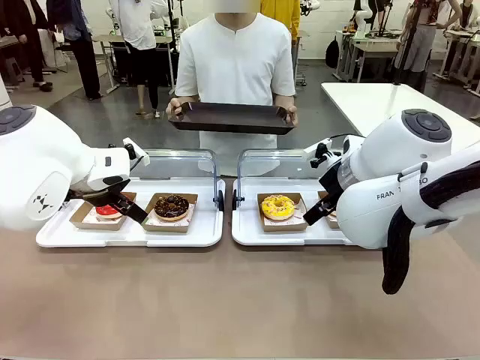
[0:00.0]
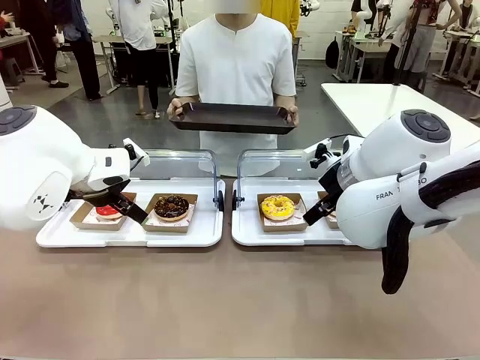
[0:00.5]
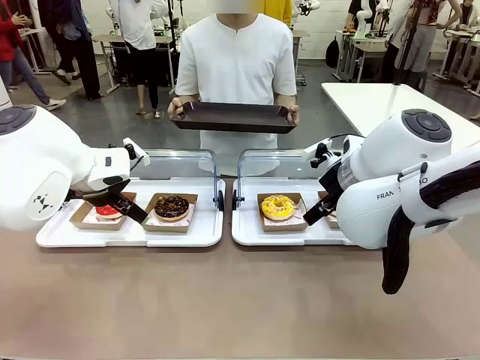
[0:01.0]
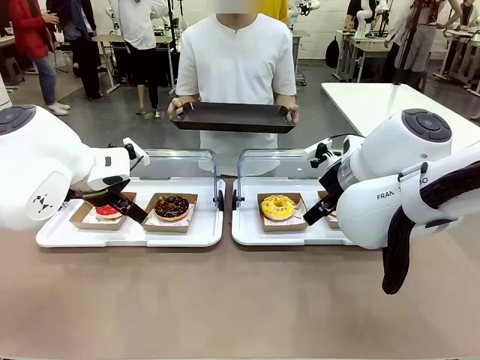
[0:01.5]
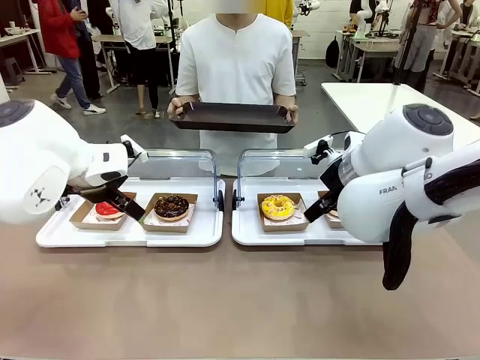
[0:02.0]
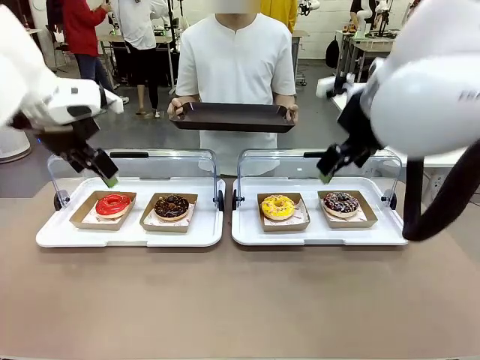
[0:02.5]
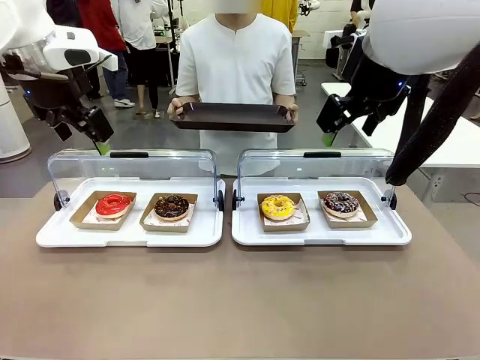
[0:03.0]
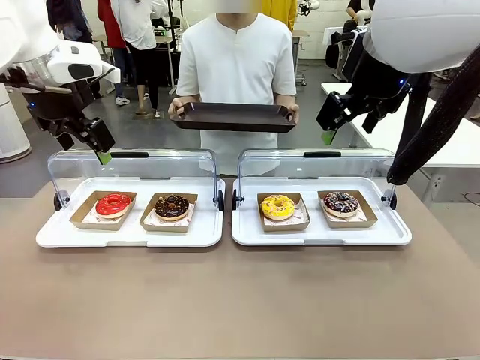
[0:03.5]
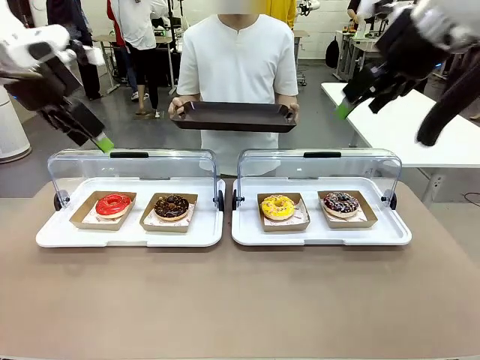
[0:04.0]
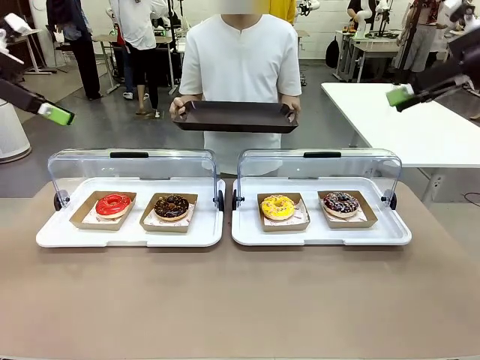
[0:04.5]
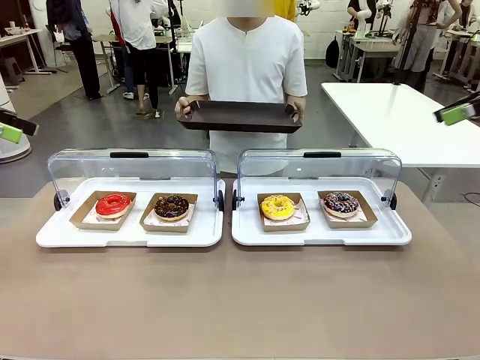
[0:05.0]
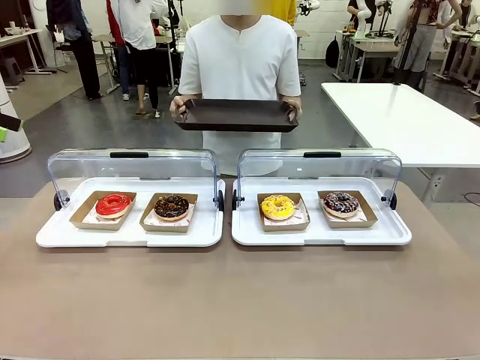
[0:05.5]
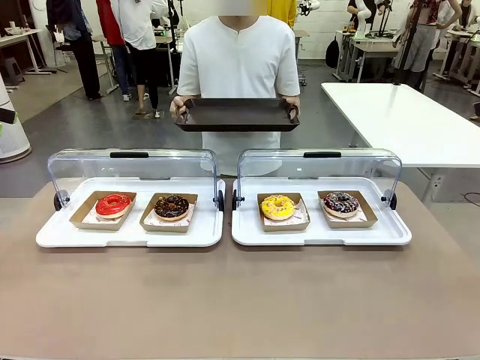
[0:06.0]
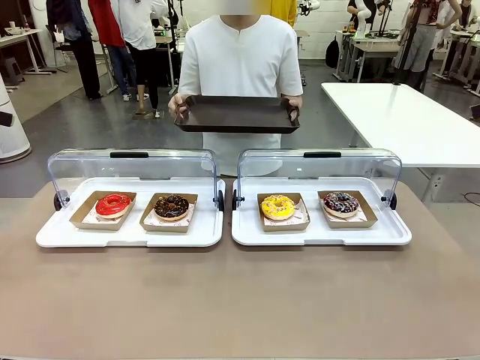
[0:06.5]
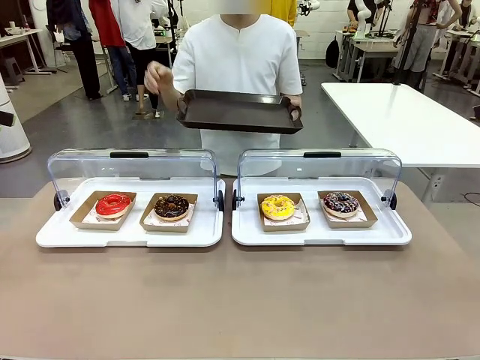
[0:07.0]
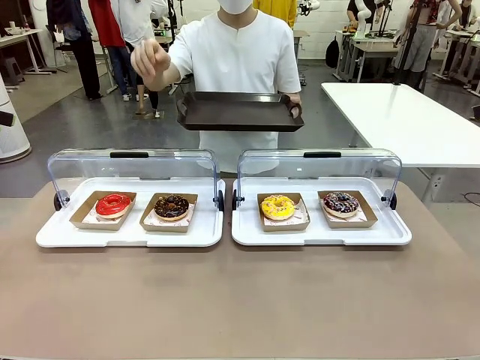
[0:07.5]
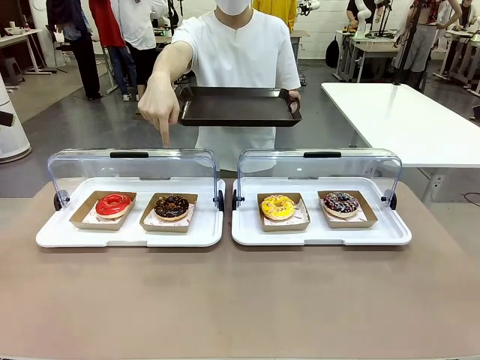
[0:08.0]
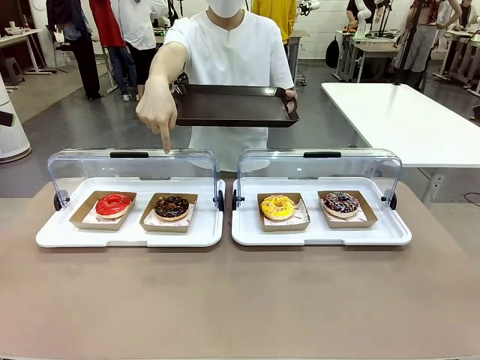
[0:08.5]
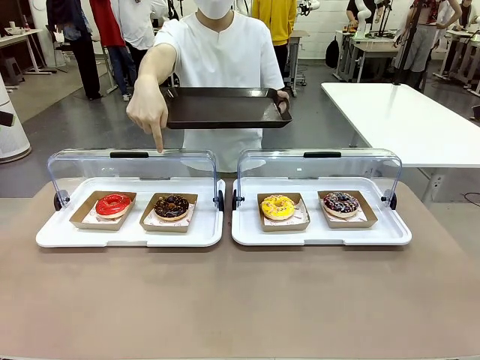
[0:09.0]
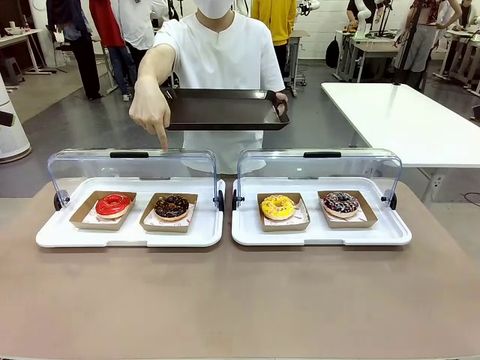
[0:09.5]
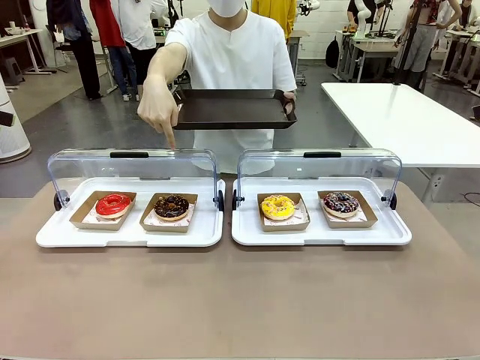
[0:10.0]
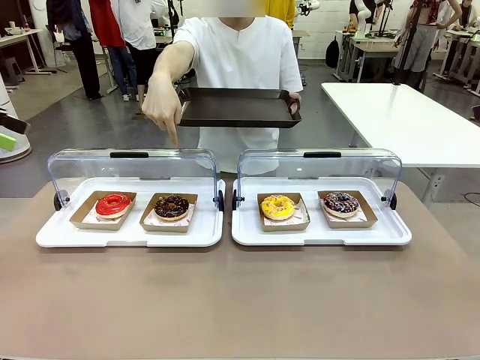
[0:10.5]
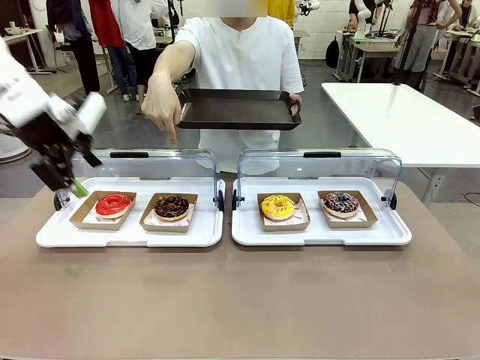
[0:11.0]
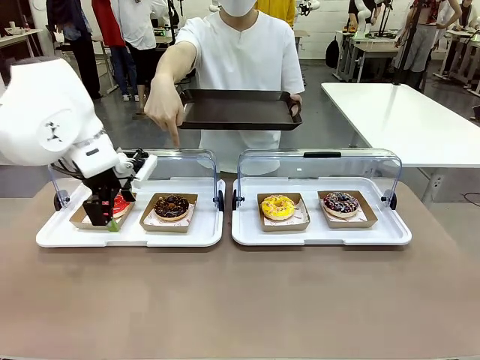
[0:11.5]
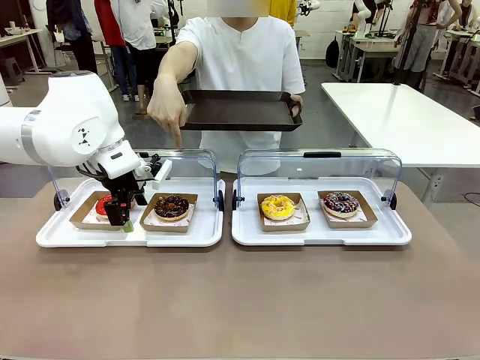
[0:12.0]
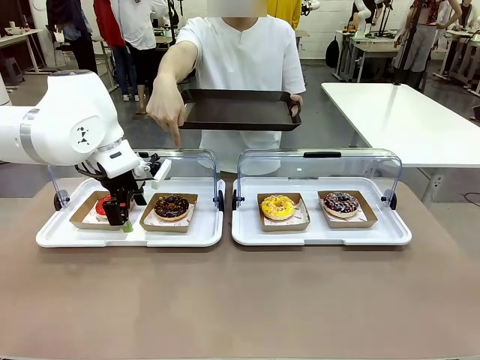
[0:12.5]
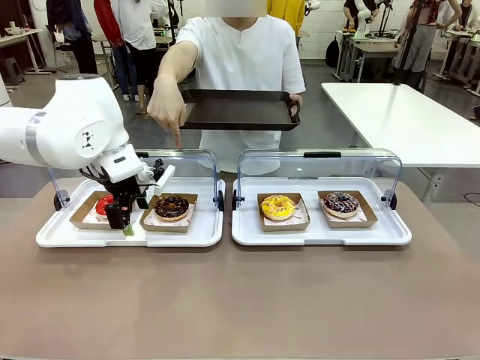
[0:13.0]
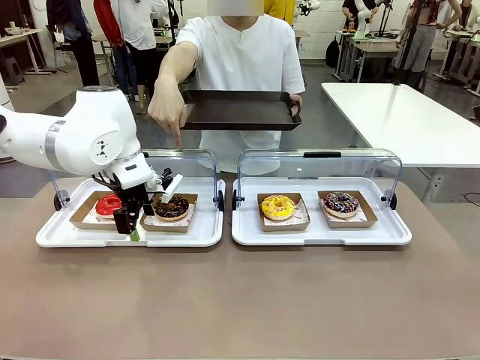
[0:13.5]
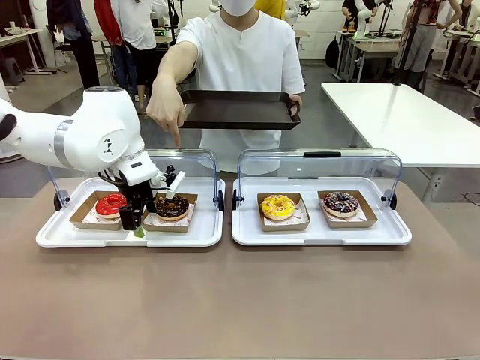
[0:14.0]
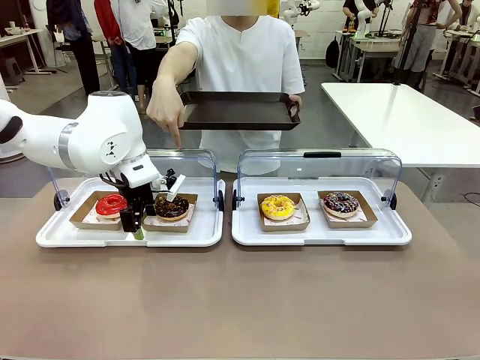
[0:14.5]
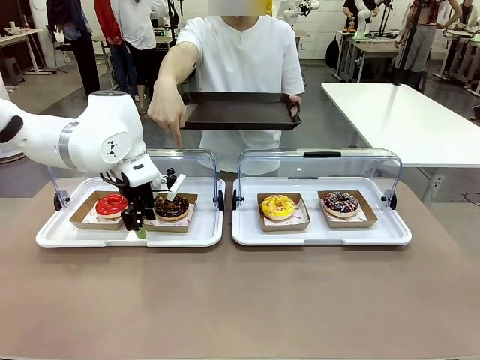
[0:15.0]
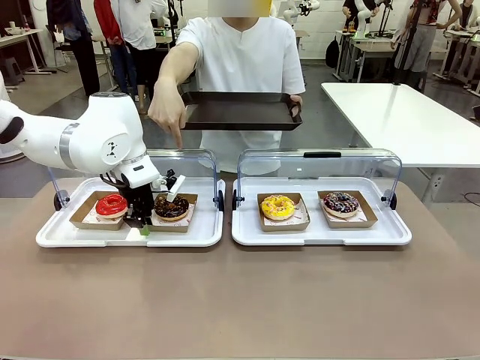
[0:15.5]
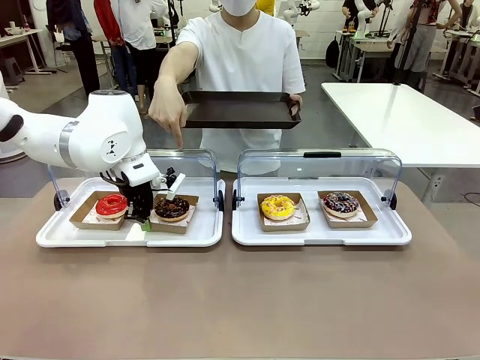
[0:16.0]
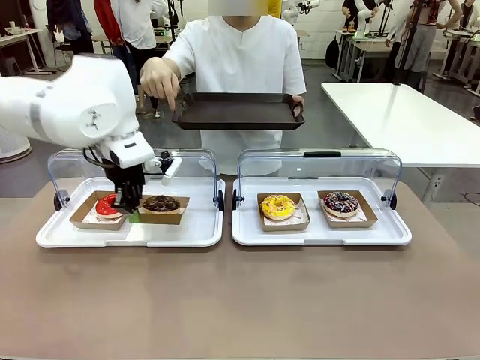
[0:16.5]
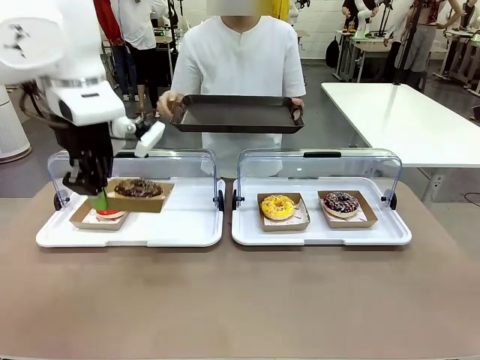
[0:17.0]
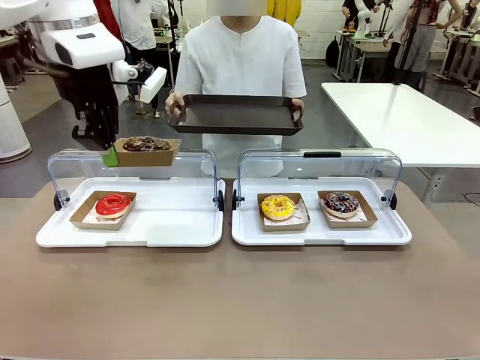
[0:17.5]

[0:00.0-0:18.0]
Task: Provide the desired donut to the person.
Robot: Pick up and lift the Paper togo box containing the Donut pointed at by the person.
Person: Point to one donut. Lift the tray onto the Roll-Top Bakery Case.

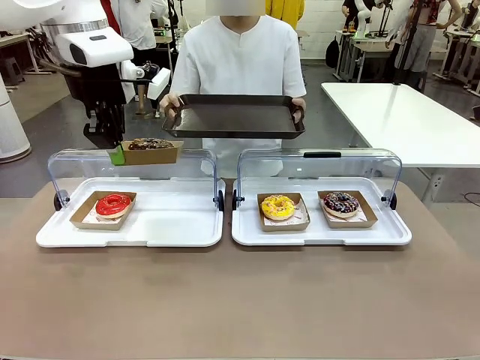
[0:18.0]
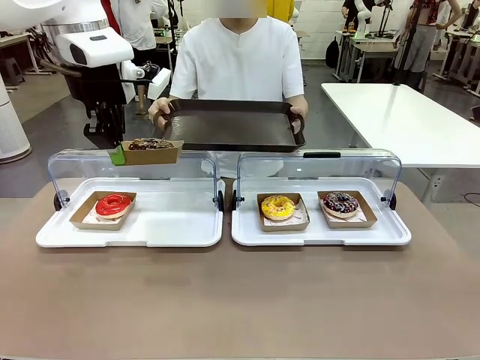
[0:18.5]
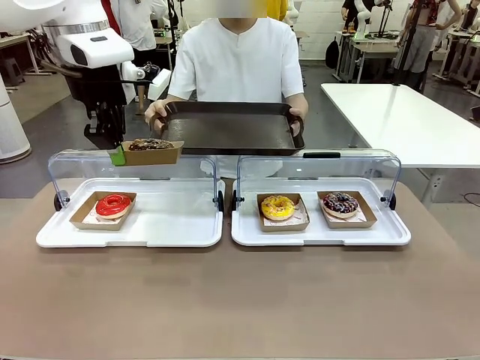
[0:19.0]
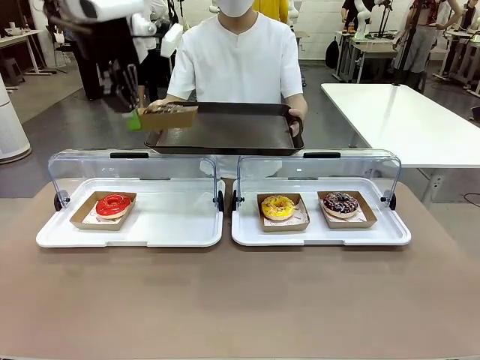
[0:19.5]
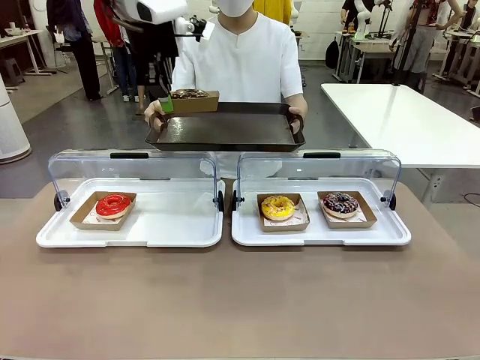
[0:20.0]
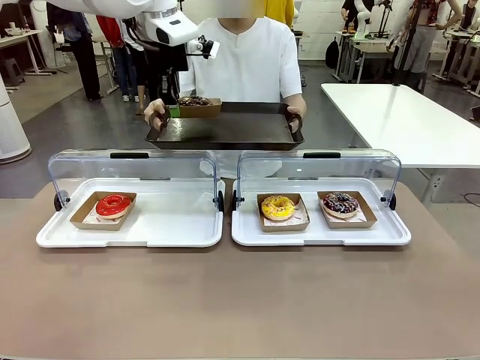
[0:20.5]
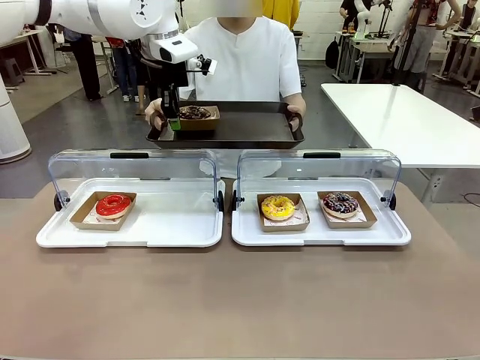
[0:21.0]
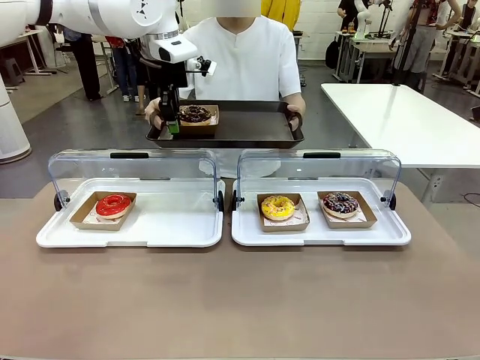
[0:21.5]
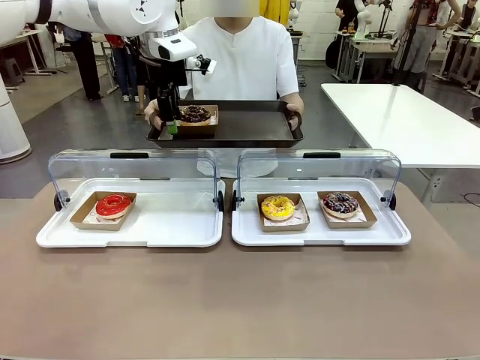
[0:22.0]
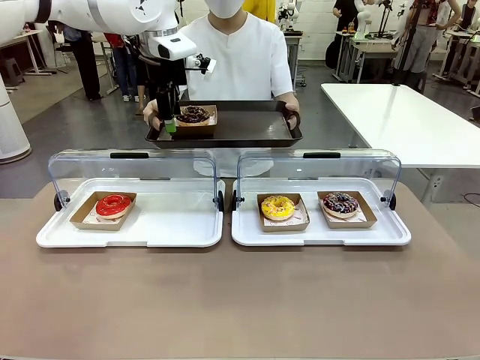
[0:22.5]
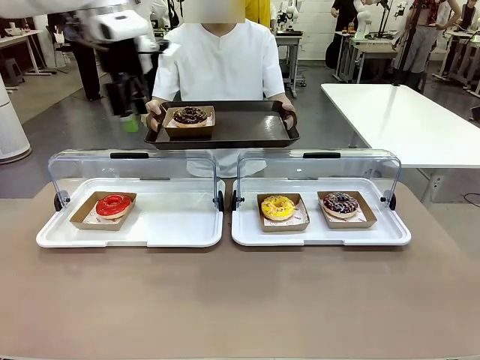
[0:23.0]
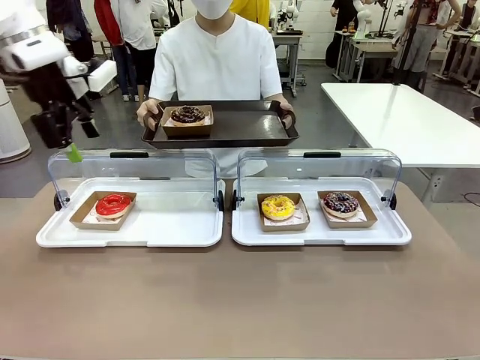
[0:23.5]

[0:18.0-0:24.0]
Robot: Place the picked Paper togo box onto the Handle tray extended by the person.
